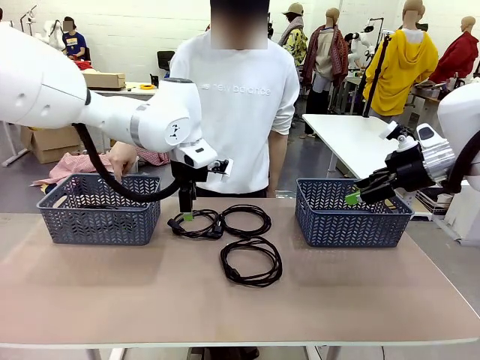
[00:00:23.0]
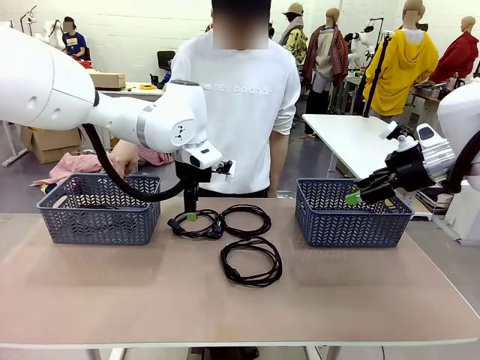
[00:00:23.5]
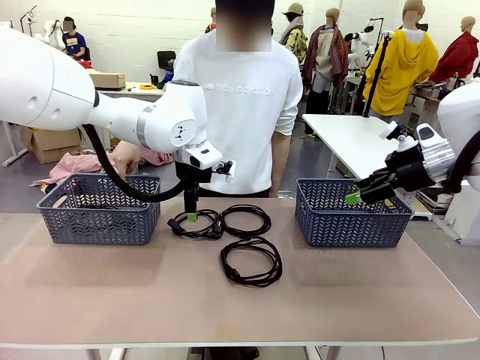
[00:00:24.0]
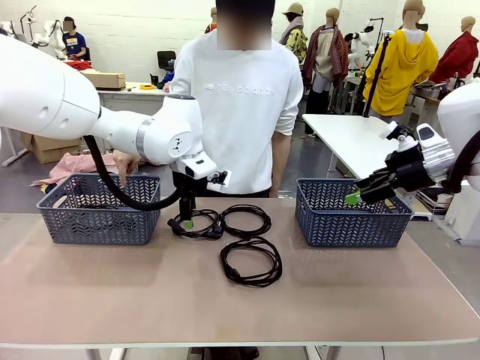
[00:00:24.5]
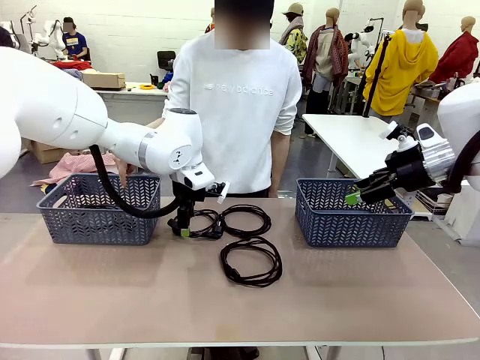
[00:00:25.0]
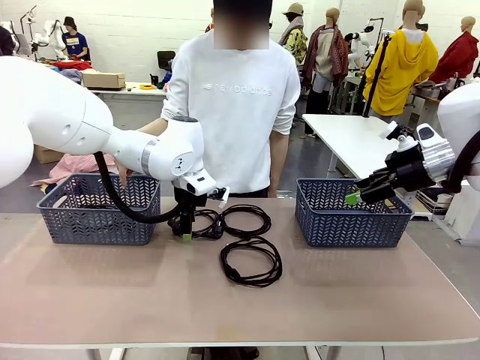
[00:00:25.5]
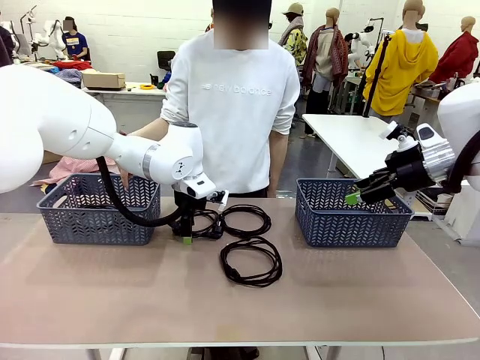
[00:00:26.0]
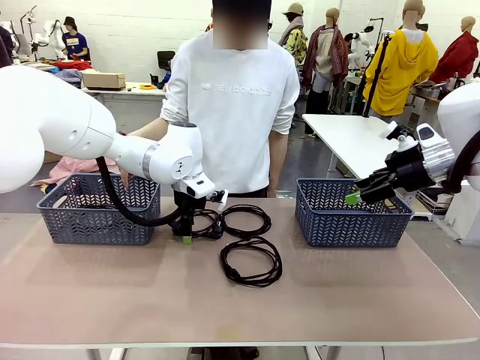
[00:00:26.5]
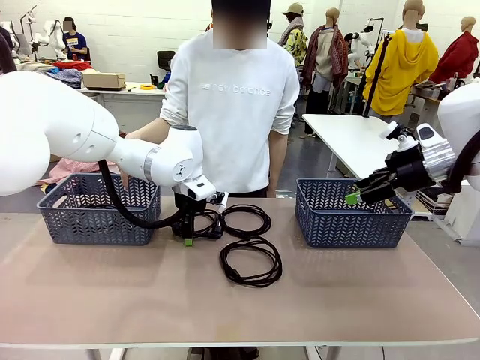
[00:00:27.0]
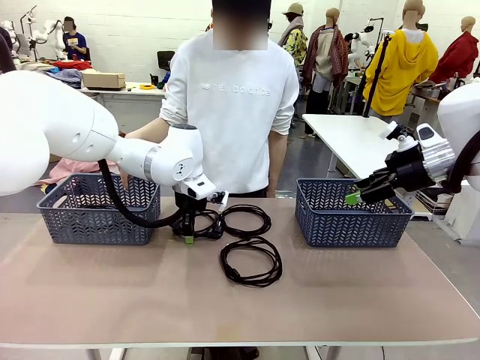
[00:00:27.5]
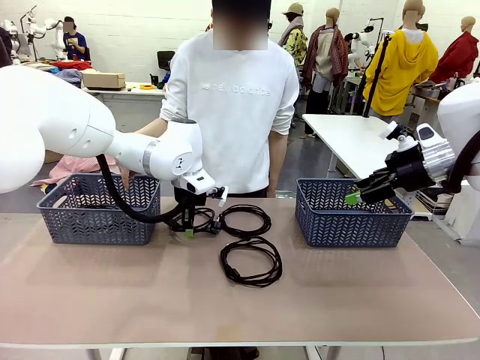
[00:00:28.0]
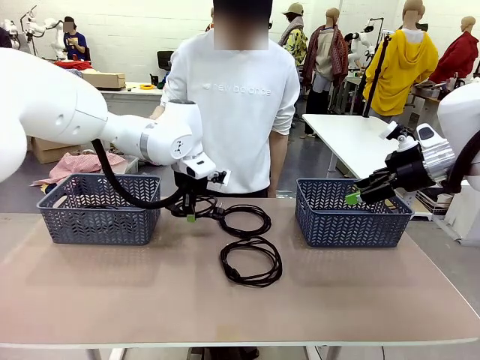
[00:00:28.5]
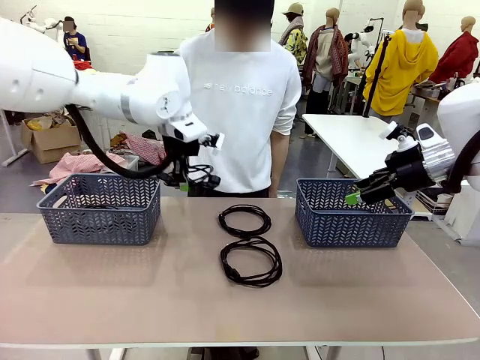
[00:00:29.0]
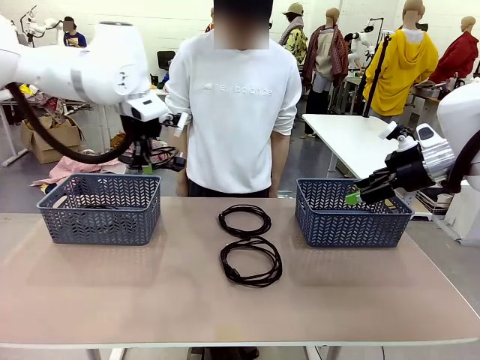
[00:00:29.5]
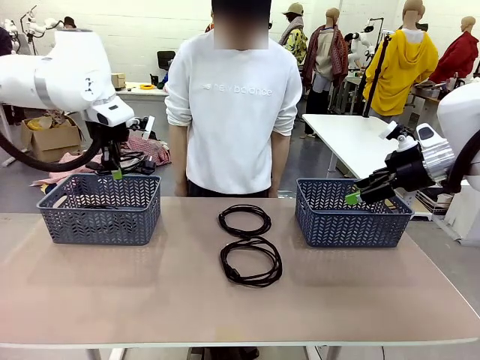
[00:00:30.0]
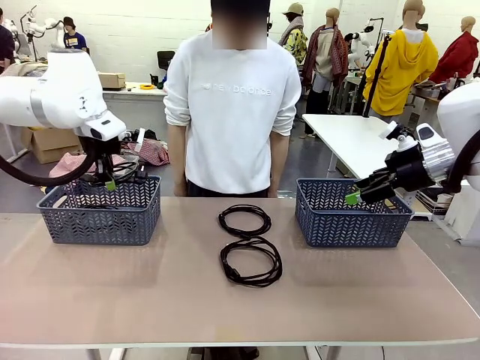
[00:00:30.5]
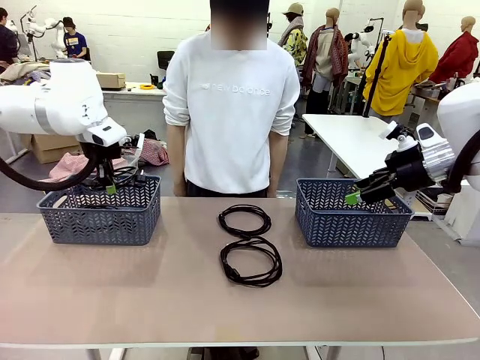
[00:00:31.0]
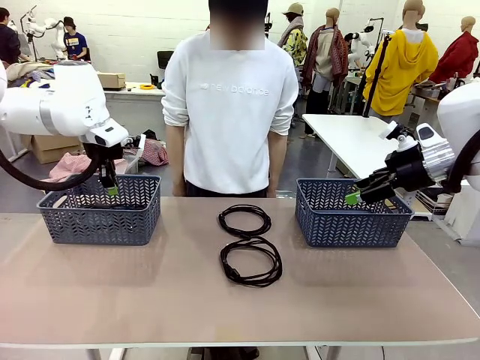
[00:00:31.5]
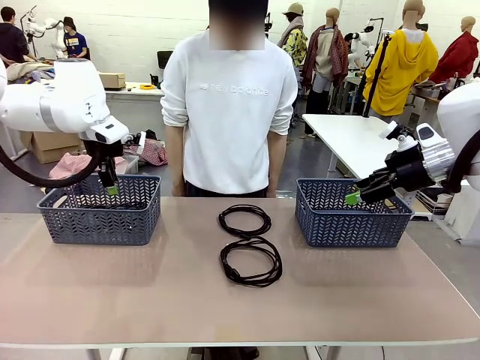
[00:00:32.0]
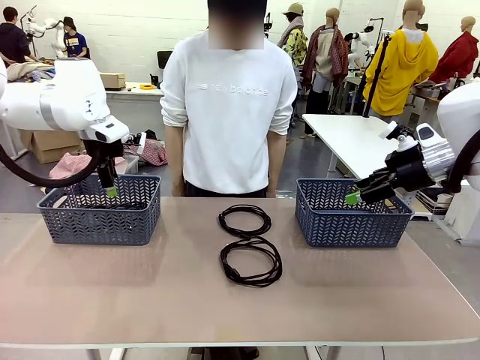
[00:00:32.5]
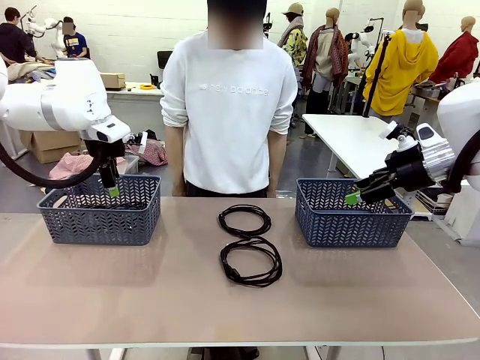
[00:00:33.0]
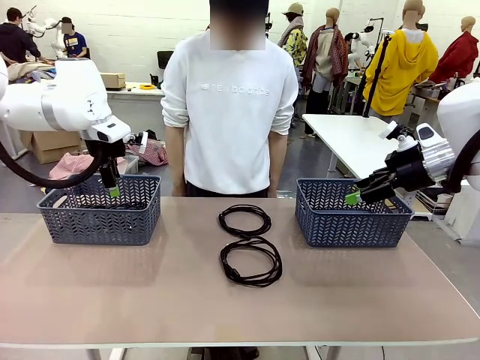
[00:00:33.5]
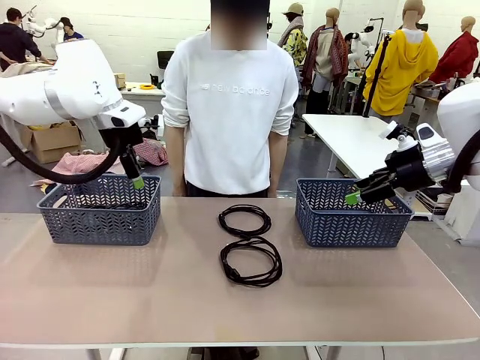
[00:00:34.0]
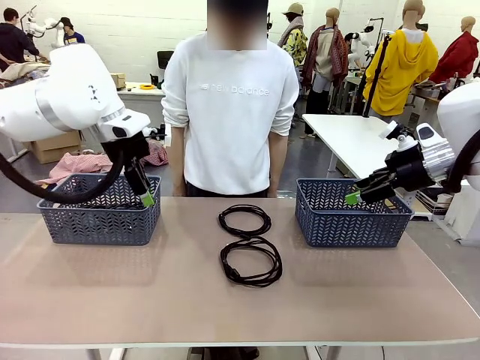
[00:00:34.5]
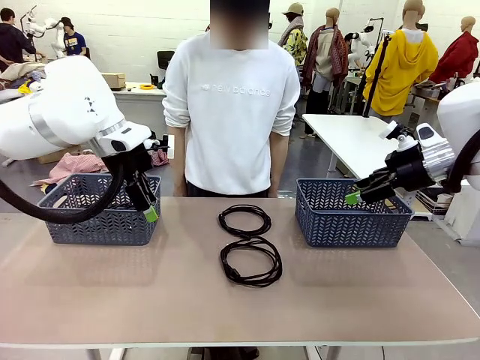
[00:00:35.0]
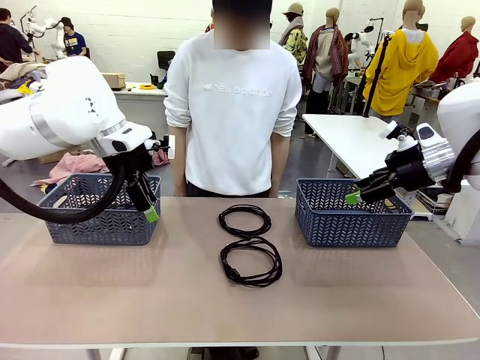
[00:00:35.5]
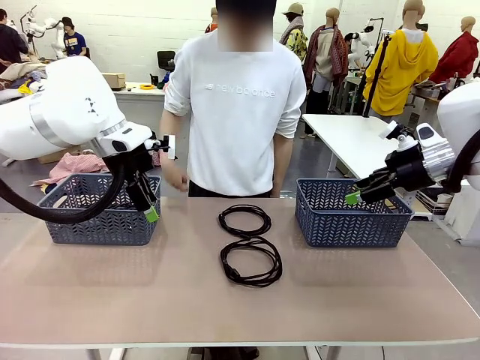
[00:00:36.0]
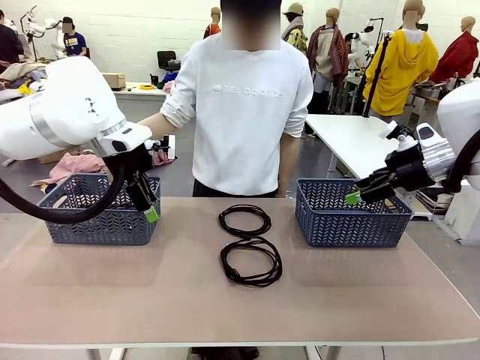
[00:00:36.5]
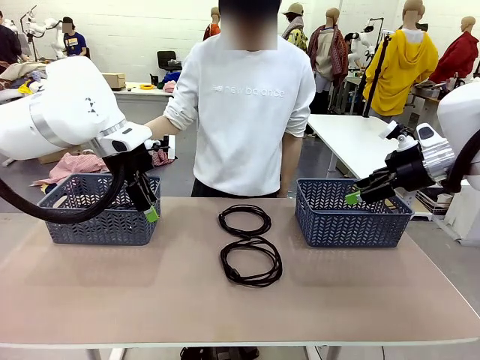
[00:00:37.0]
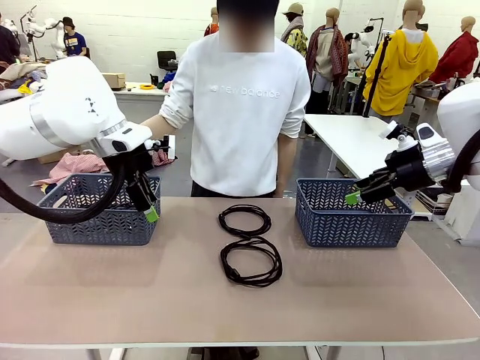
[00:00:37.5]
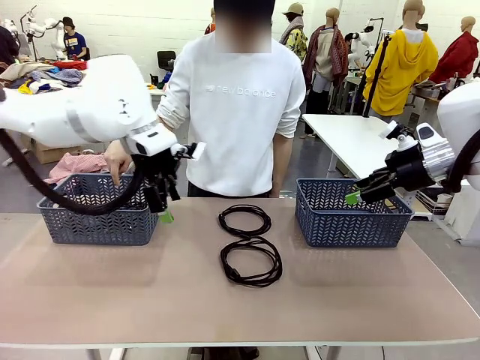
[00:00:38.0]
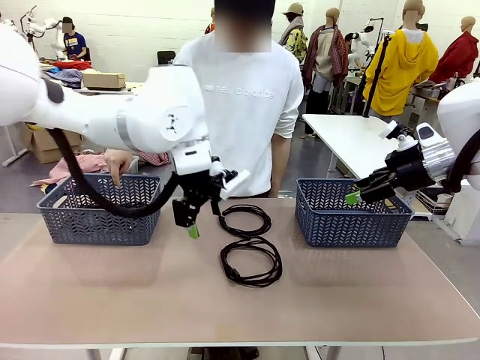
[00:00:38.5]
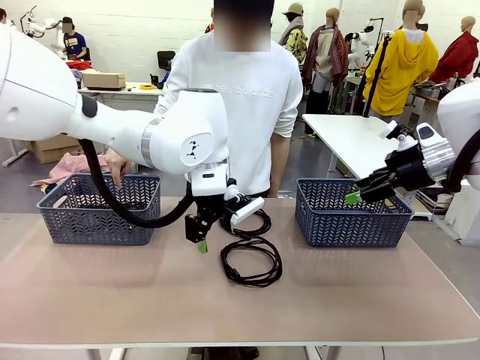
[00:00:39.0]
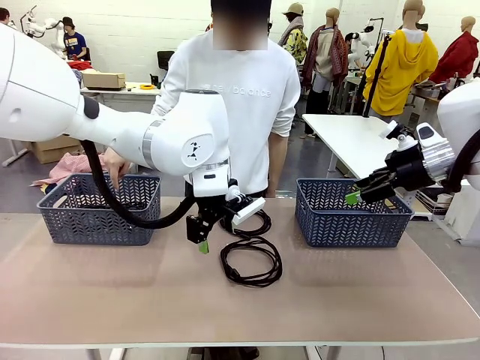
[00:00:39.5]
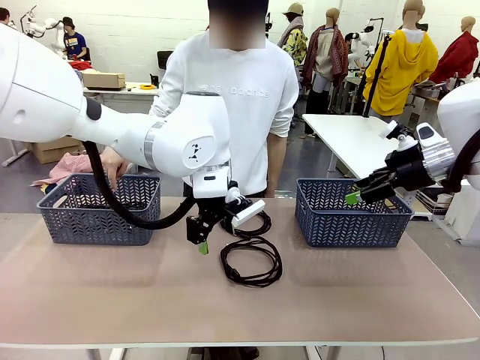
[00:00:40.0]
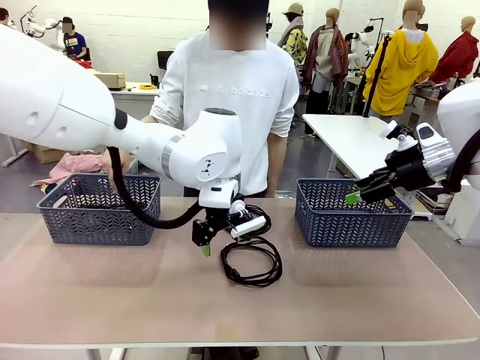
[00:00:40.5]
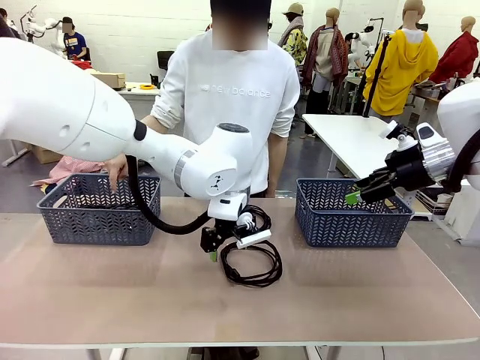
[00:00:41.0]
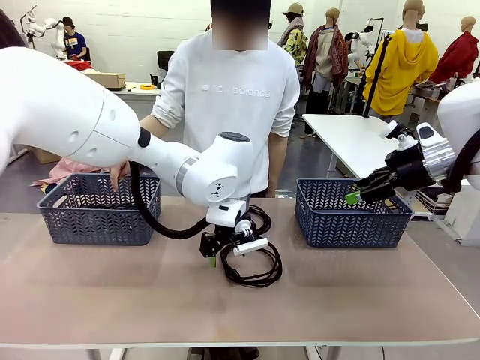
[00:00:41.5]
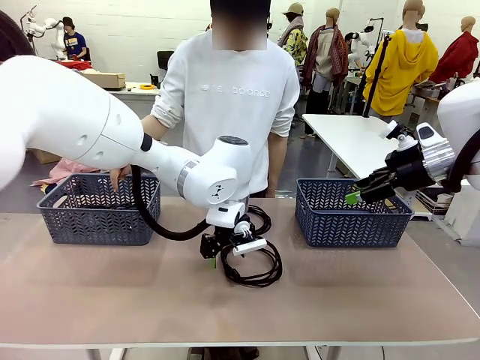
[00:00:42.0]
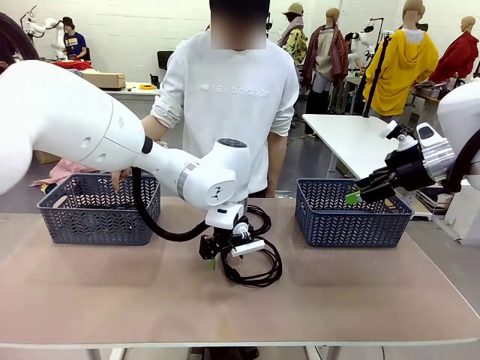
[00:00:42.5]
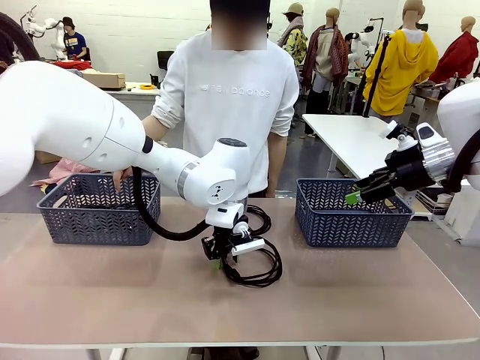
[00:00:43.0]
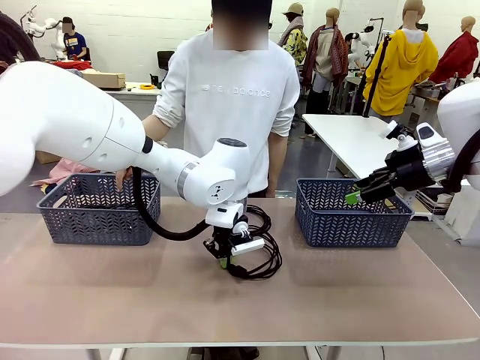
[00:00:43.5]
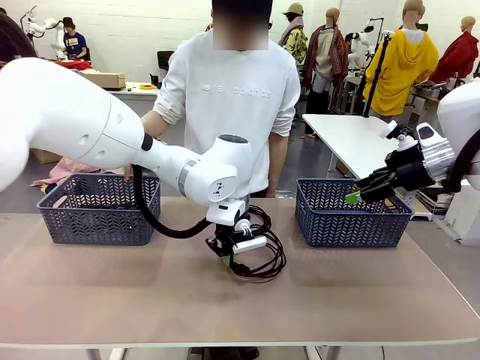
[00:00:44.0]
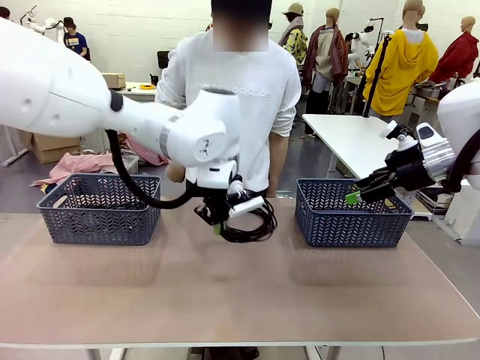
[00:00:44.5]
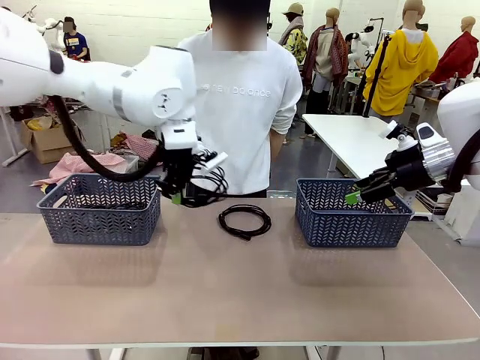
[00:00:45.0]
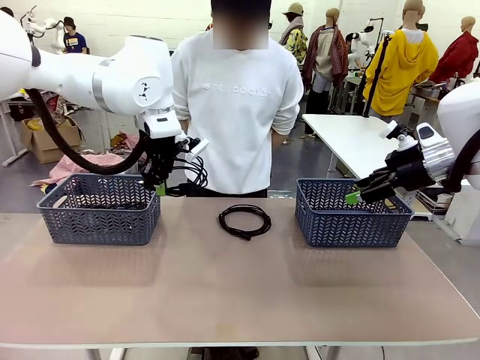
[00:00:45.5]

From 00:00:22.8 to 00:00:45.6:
Task: Organize the cables according to human instructions.
Robot: Pick up a bundle of cables and place it in the basket indicated by the human.
